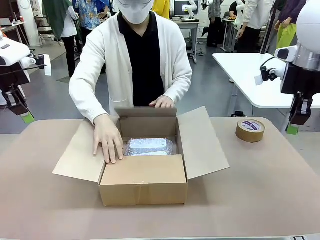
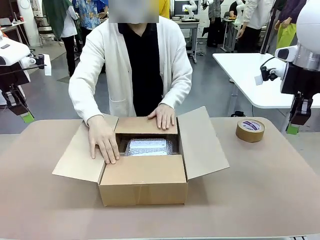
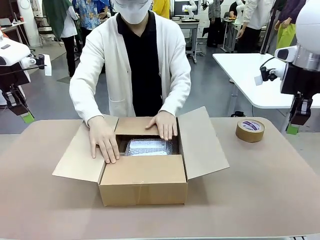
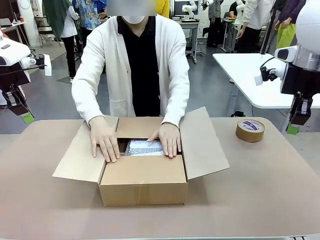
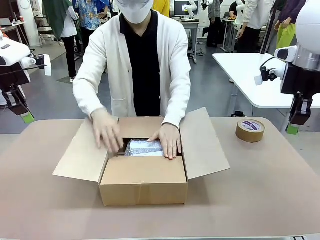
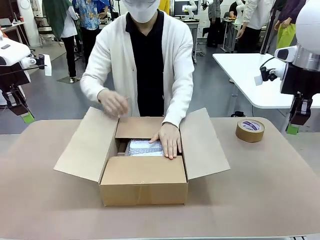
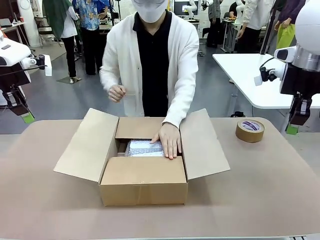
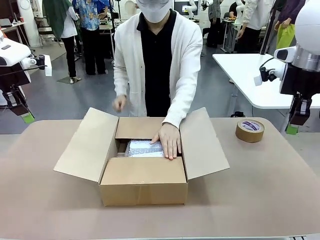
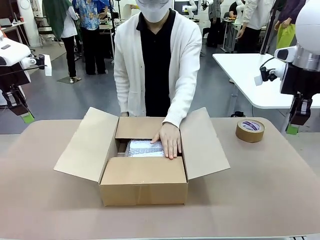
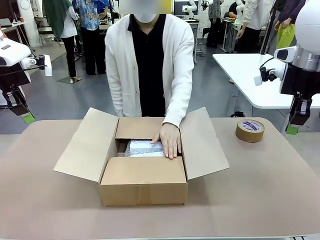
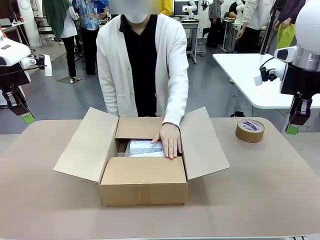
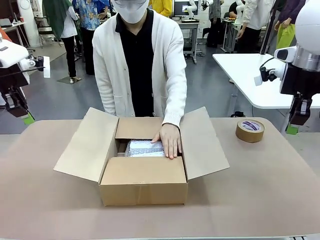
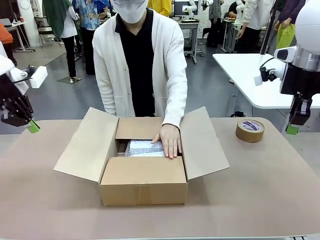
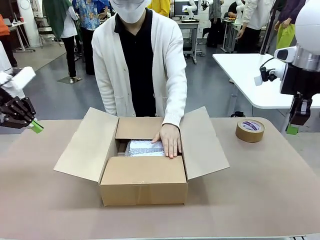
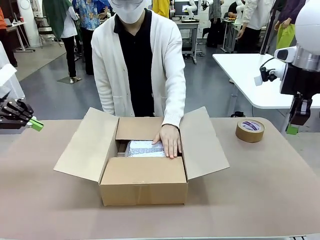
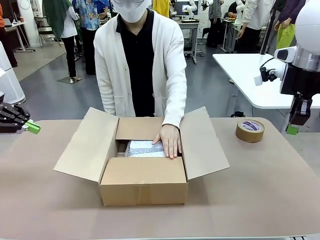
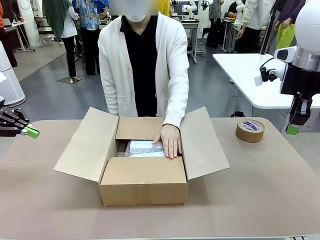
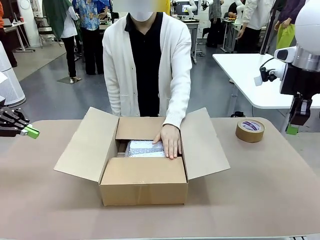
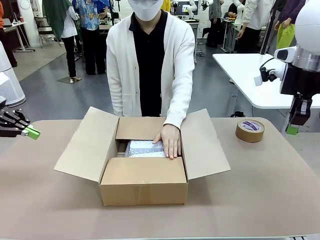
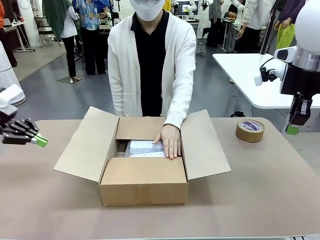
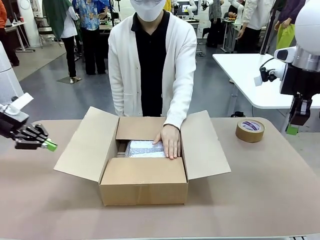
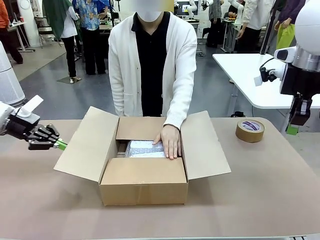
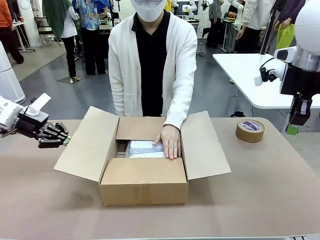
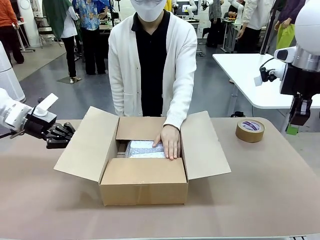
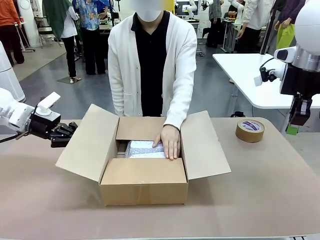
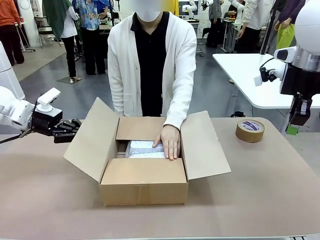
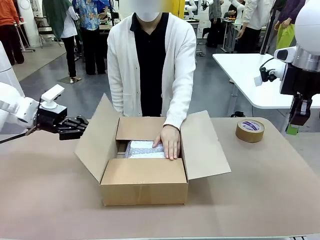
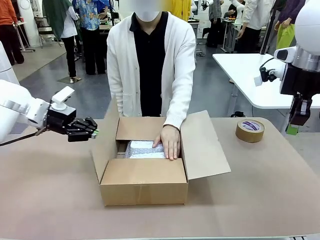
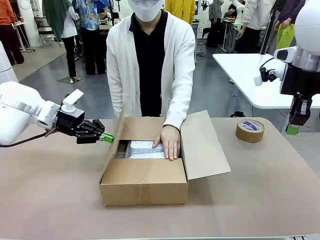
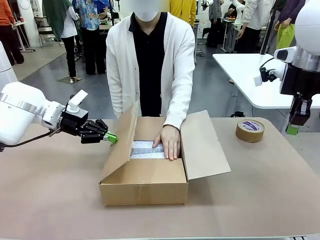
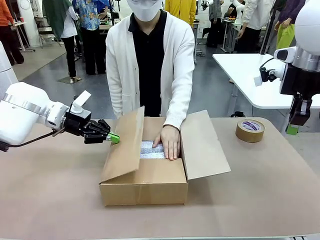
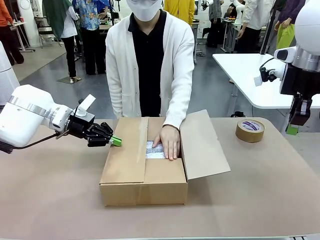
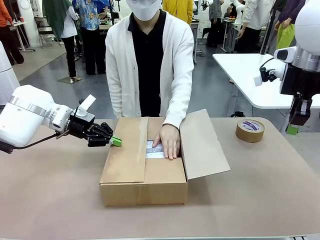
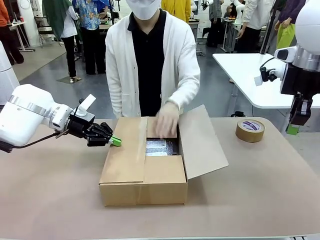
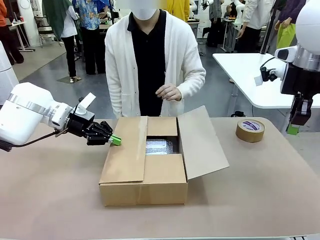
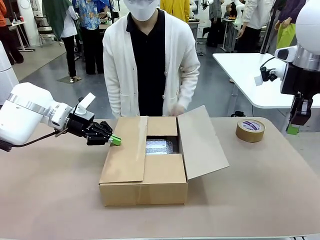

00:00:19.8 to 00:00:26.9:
Task: Wrap the clocks to prevent damage.
Robot: Push the right (or left) flap of the Package Box to close it.
Person: Once the robot closes the right flap of the Package Box , release your left hand from the box.

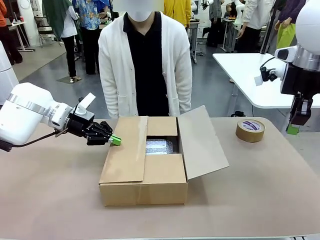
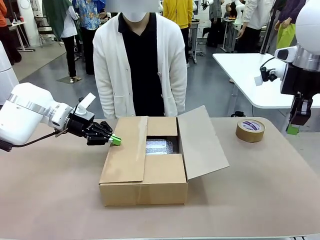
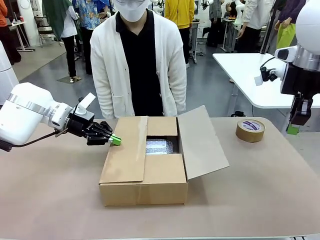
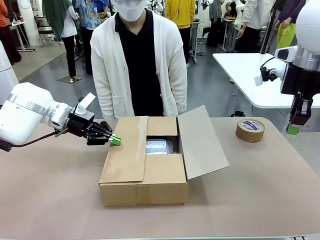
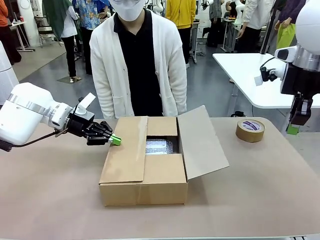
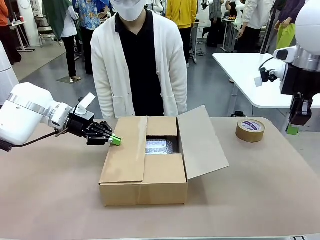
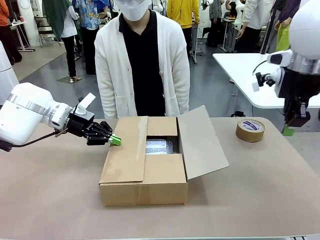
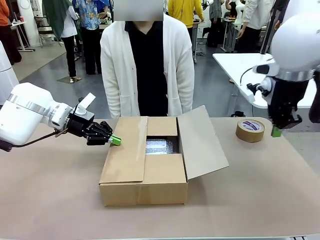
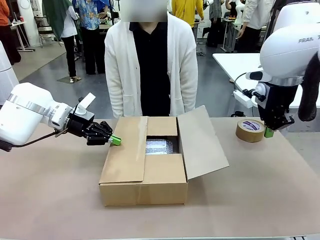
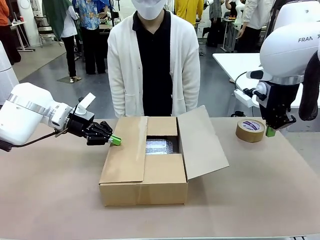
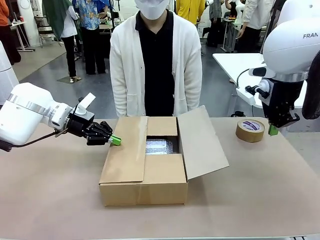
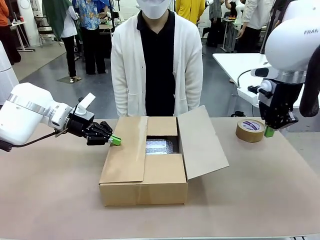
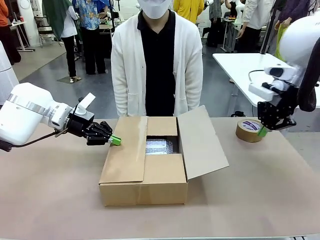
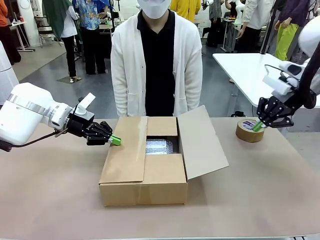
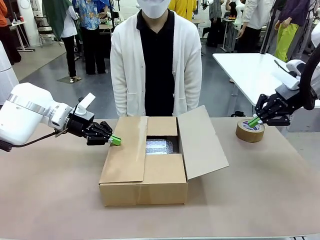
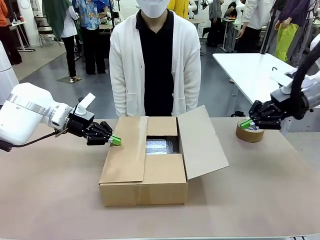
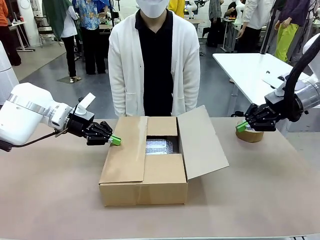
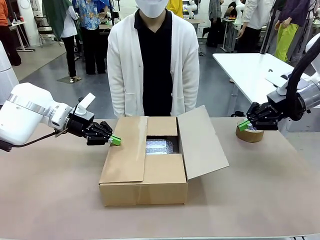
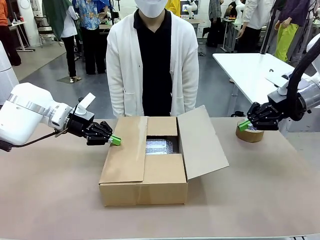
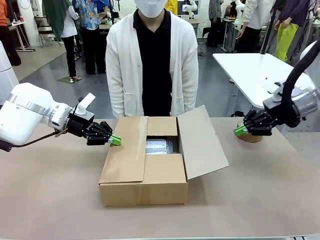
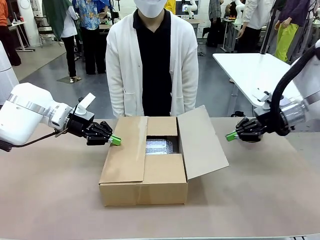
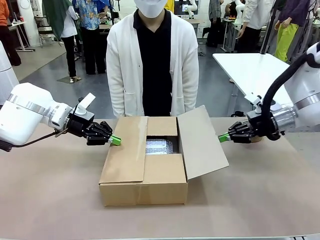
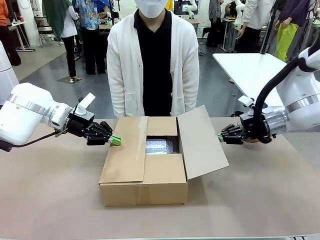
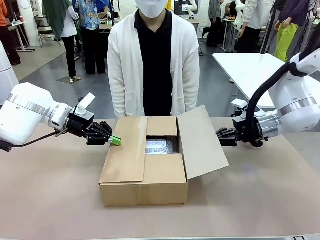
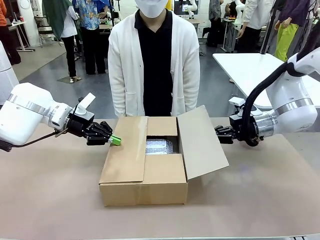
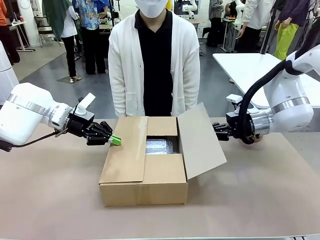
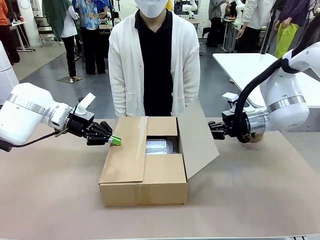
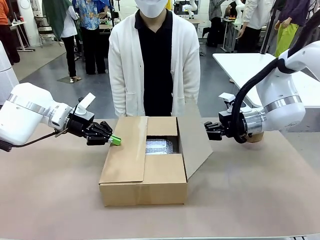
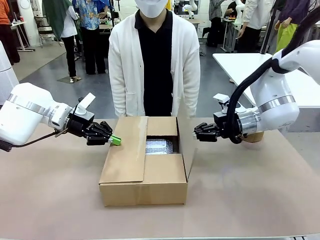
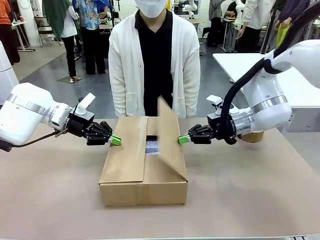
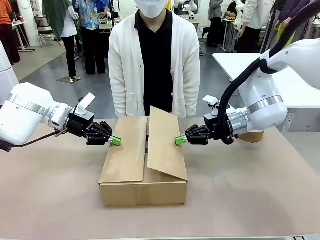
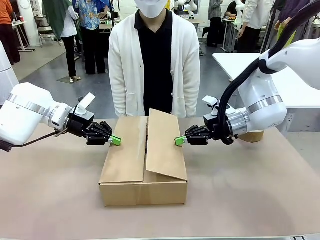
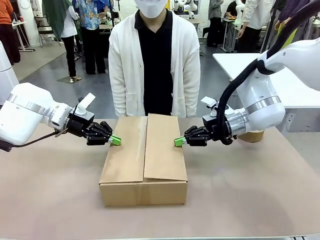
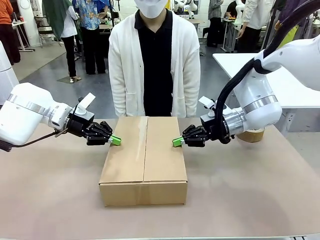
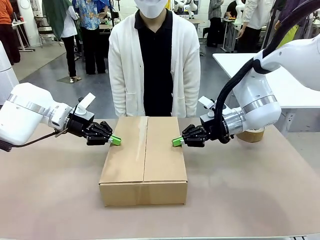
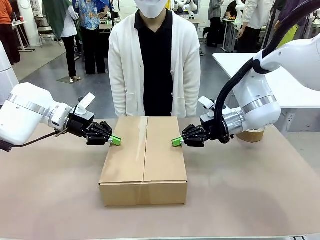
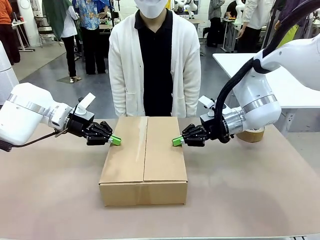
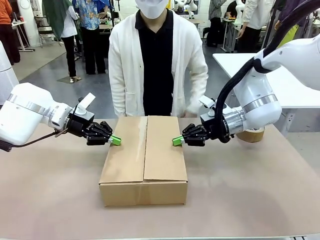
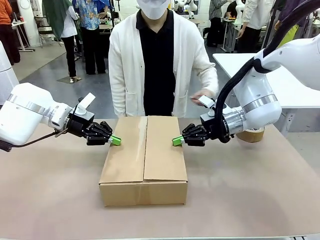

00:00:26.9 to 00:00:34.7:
Robot: Push the left (or right) flap of the Package Box to close it.
